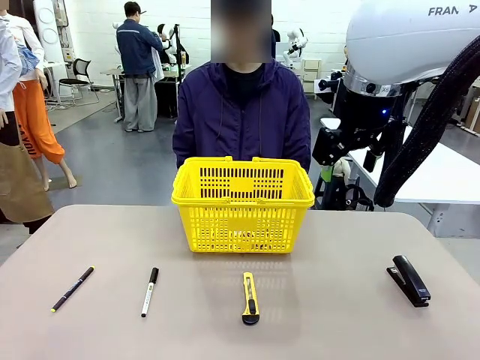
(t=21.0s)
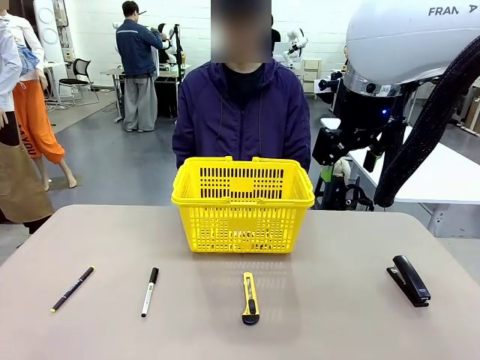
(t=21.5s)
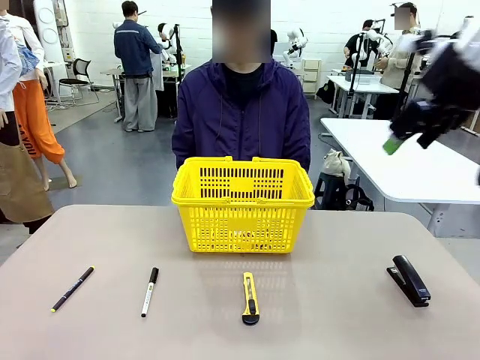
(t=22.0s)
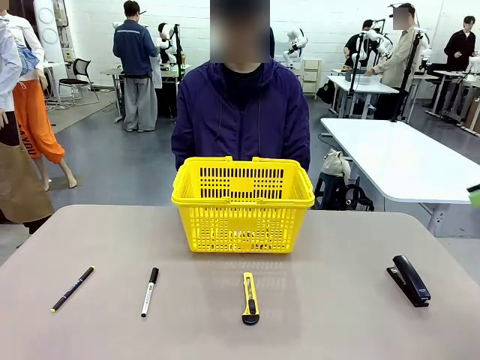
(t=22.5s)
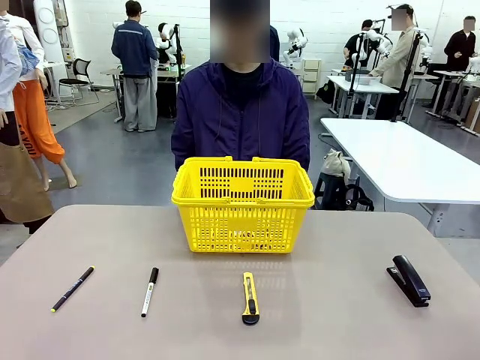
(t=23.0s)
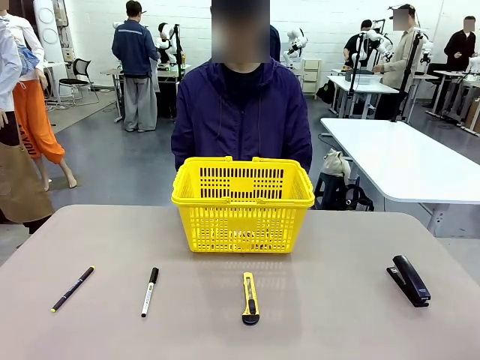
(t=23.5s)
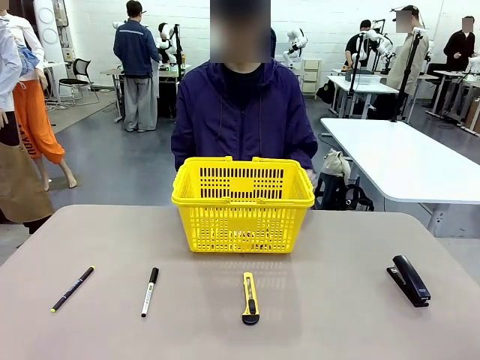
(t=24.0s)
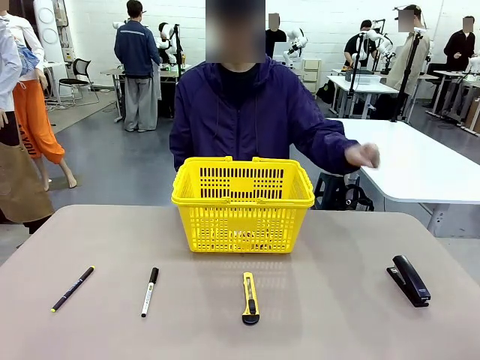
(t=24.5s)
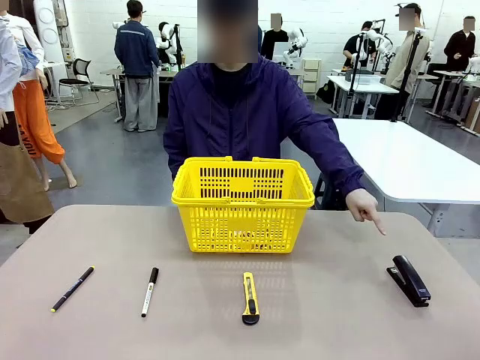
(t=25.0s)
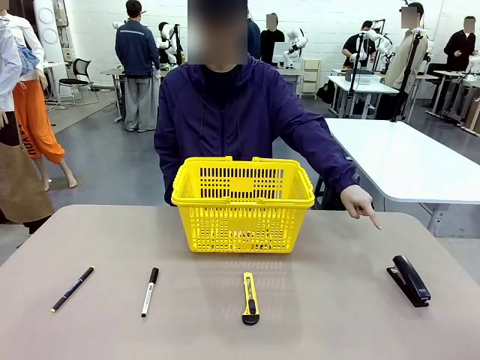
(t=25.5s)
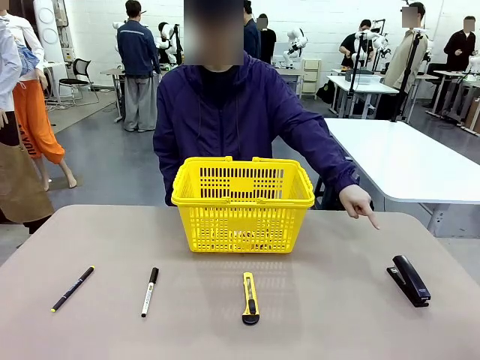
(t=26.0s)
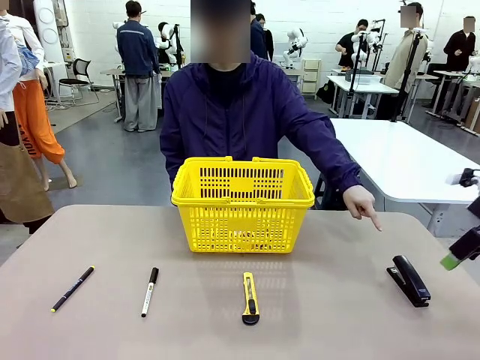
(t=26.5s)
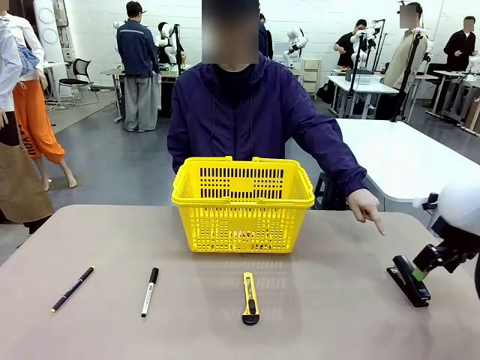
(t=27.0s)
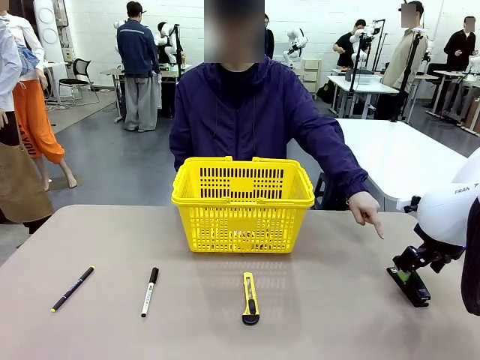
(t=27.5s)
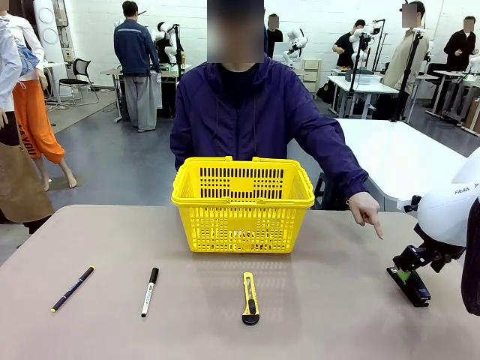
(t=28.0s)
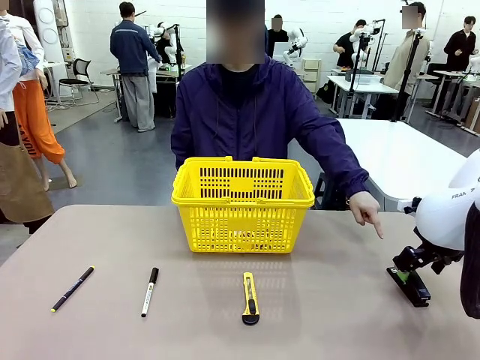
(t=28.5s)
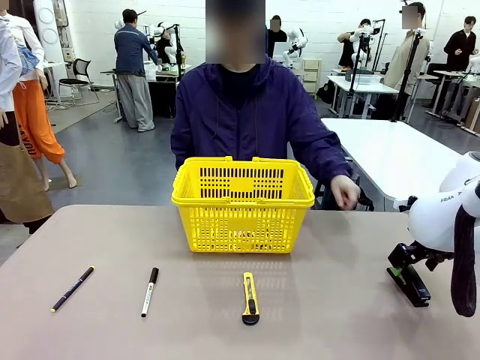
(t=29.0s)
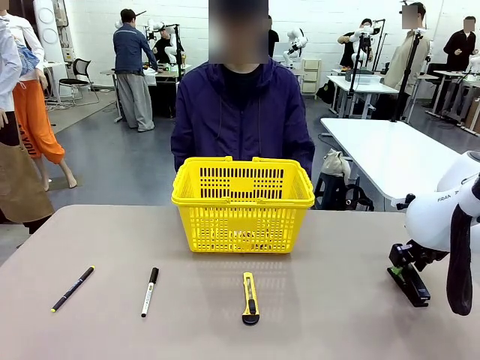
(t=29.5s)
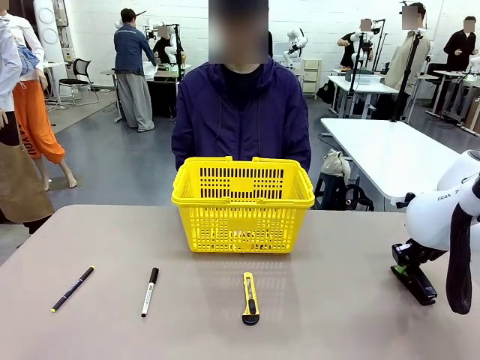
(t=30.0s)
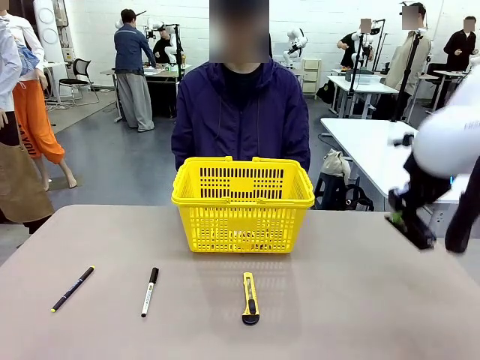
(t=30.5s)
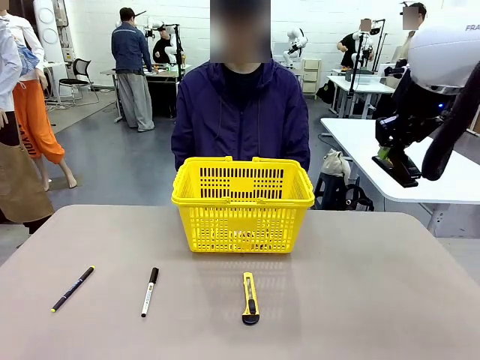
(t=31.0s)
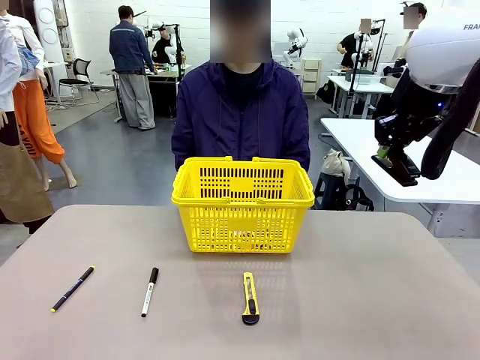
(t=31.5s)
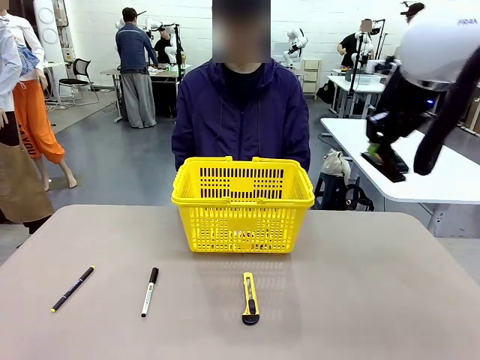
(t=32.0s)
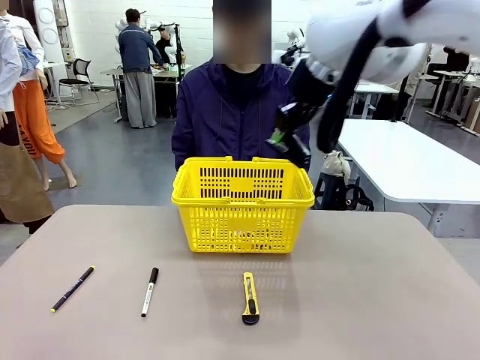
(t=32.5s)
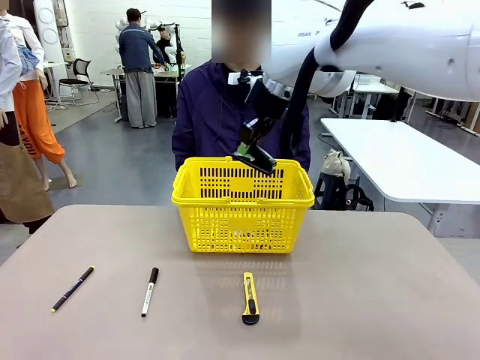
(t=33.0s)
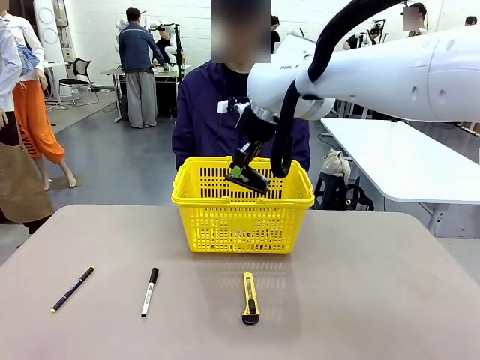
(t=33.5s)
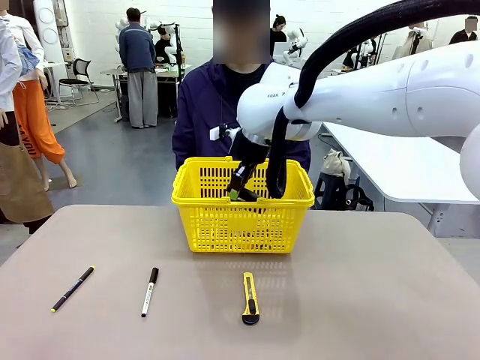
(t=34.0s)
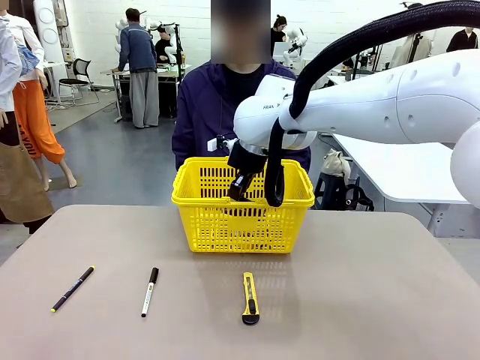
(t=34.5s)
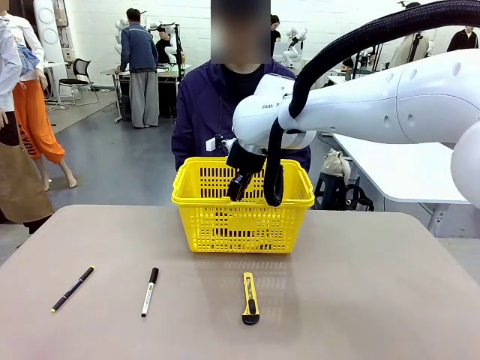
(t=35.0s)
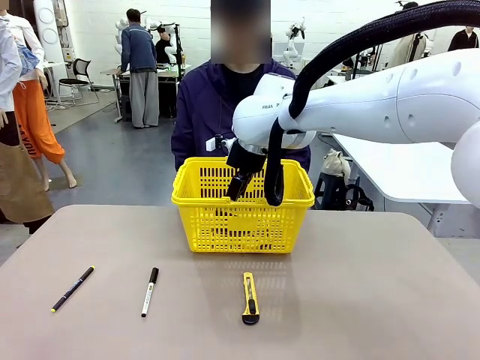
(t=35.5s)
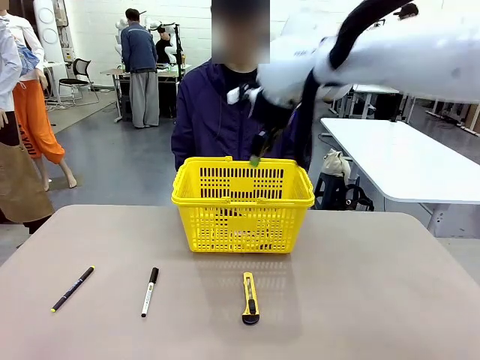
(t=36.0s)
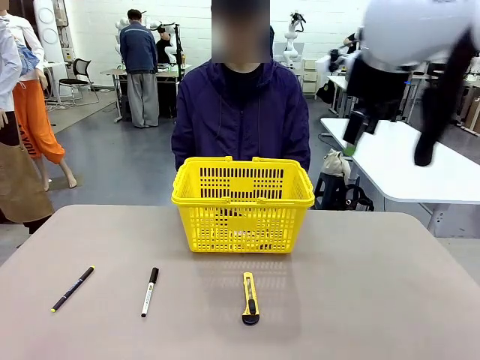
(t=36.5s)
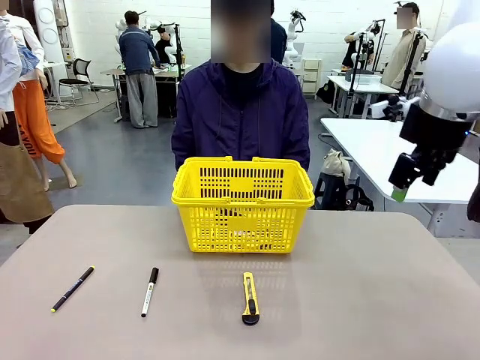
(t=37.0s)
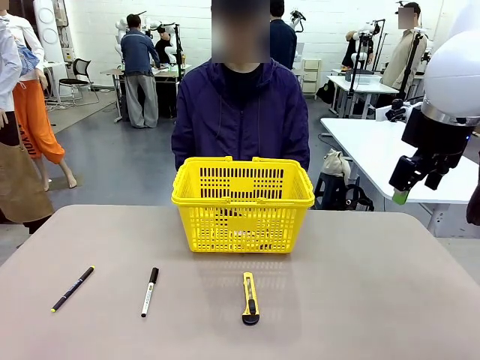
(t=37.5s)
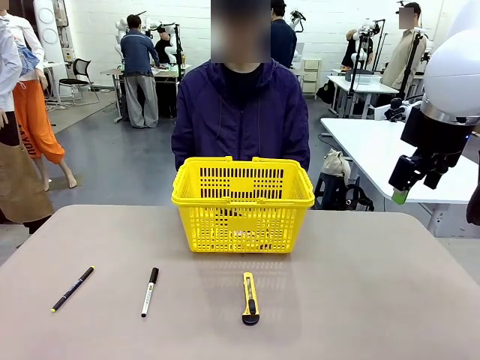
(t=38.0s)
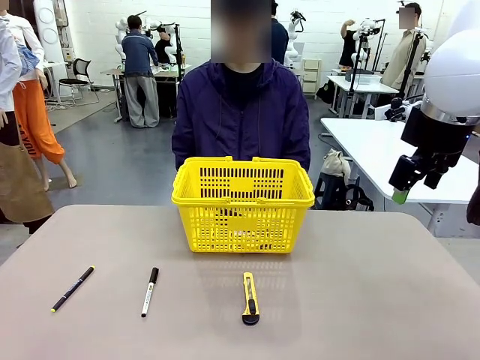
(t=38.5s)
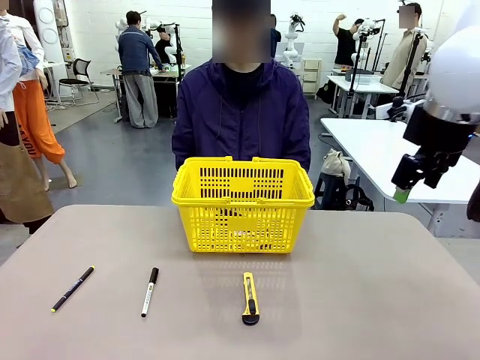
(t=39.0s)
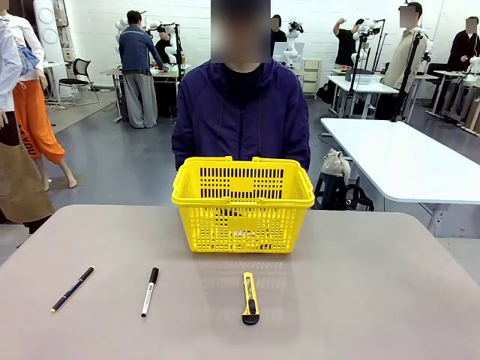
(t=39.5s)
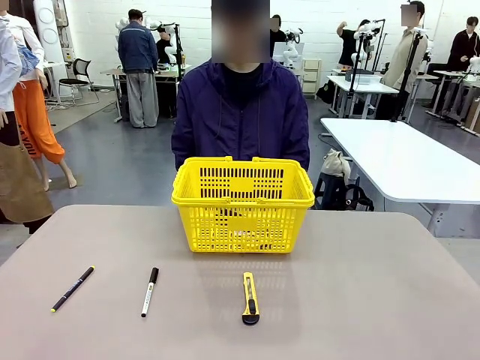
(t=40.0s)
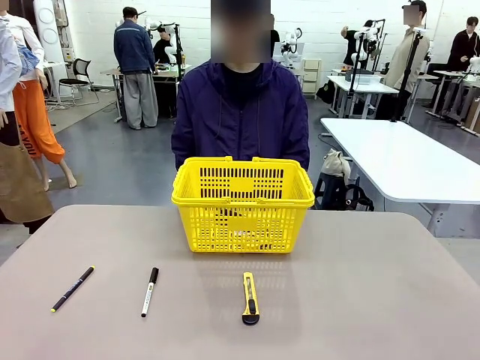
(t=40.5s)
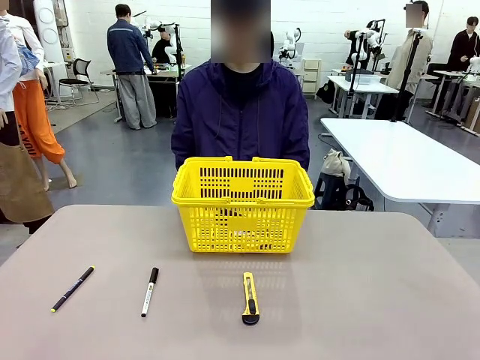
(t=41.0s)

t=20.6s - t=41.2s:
Task: Place the items the person wants into the basket.
Robot: Pick up the item the person points to and place it in the Market Basket.
